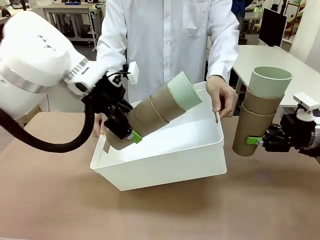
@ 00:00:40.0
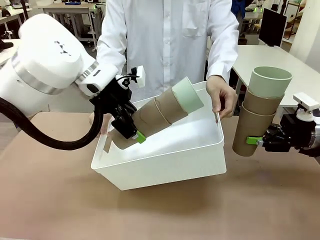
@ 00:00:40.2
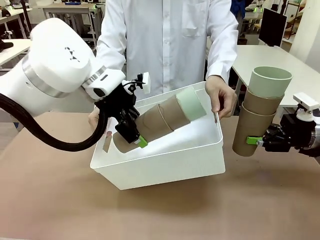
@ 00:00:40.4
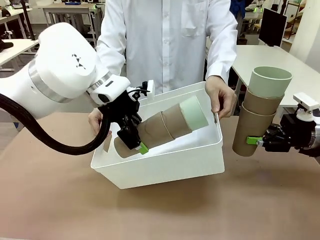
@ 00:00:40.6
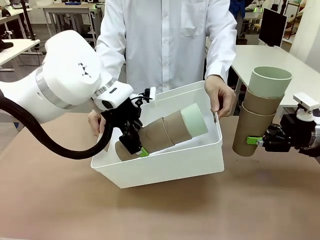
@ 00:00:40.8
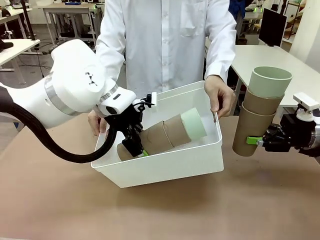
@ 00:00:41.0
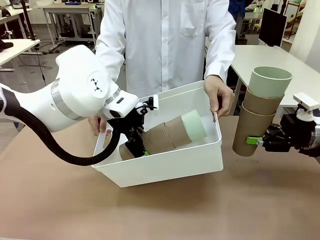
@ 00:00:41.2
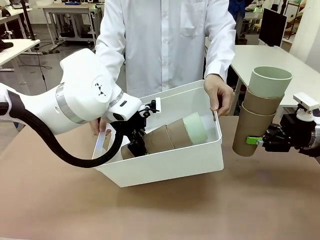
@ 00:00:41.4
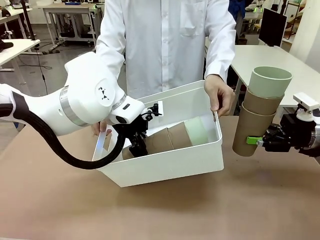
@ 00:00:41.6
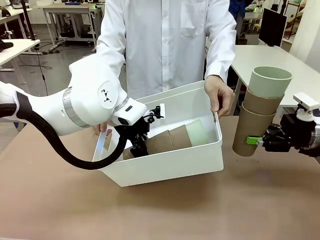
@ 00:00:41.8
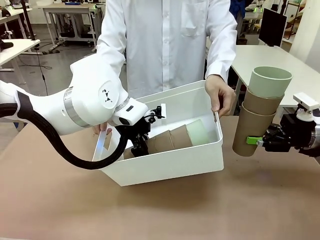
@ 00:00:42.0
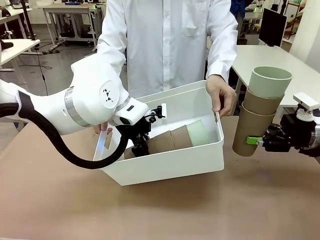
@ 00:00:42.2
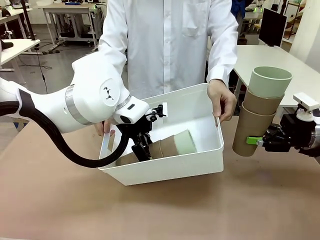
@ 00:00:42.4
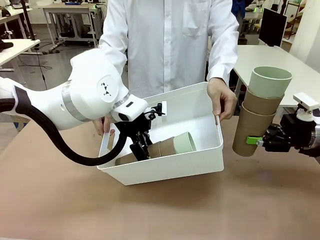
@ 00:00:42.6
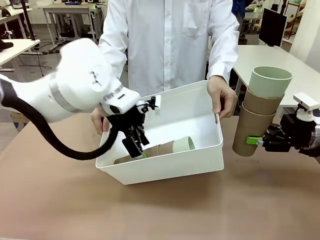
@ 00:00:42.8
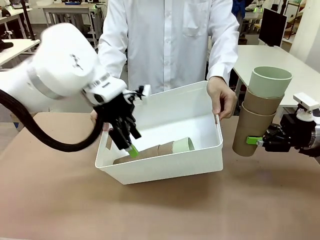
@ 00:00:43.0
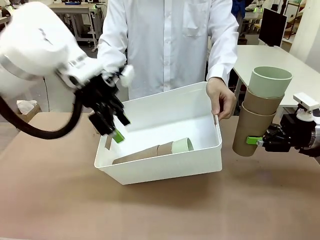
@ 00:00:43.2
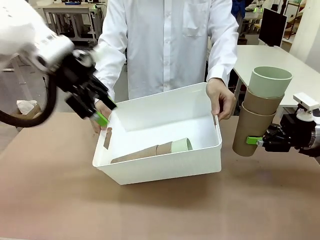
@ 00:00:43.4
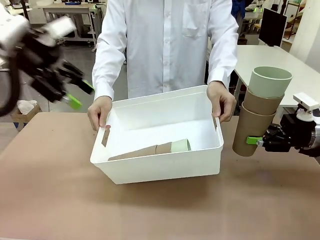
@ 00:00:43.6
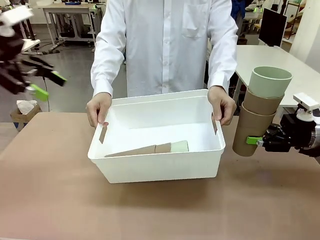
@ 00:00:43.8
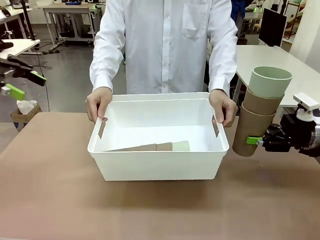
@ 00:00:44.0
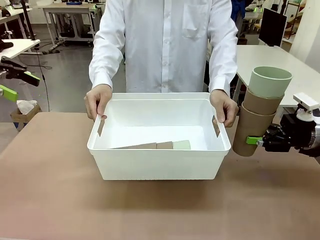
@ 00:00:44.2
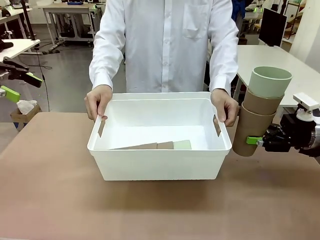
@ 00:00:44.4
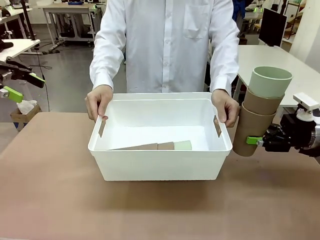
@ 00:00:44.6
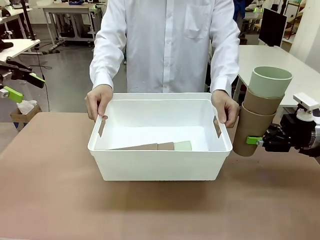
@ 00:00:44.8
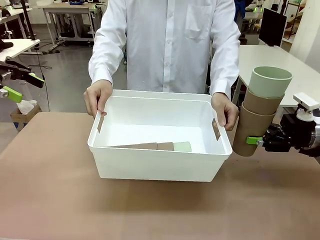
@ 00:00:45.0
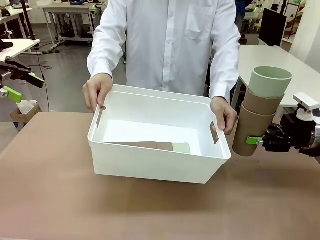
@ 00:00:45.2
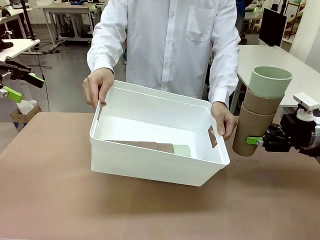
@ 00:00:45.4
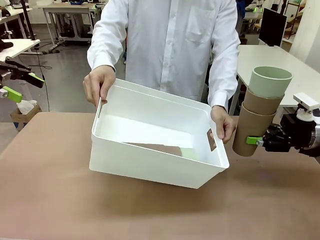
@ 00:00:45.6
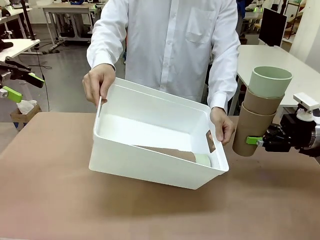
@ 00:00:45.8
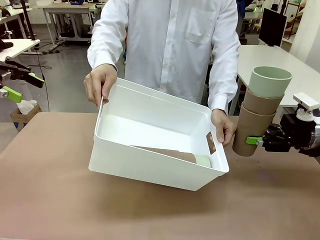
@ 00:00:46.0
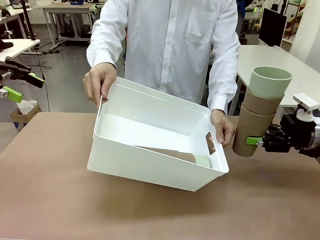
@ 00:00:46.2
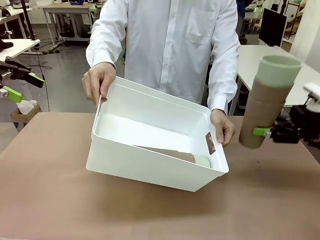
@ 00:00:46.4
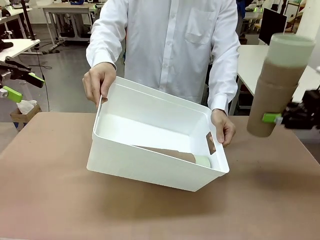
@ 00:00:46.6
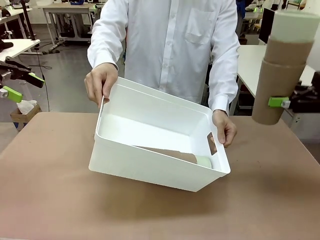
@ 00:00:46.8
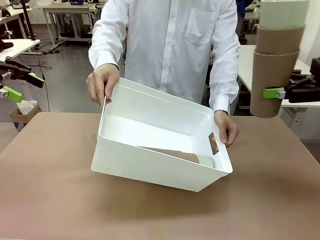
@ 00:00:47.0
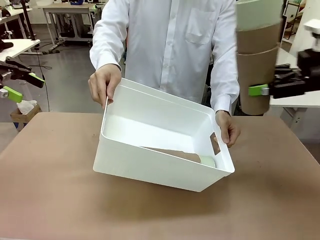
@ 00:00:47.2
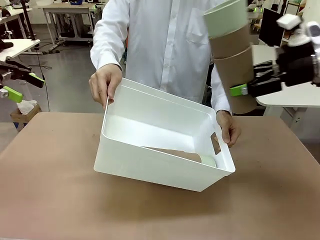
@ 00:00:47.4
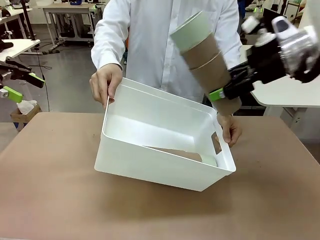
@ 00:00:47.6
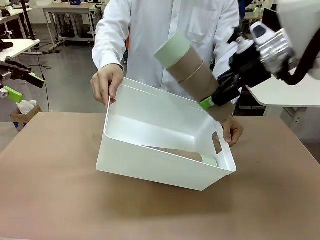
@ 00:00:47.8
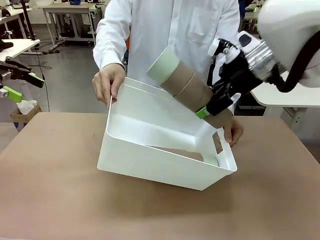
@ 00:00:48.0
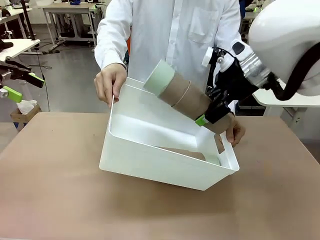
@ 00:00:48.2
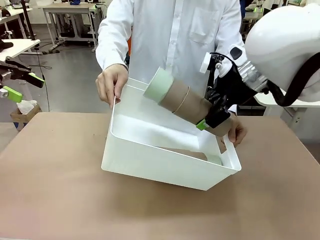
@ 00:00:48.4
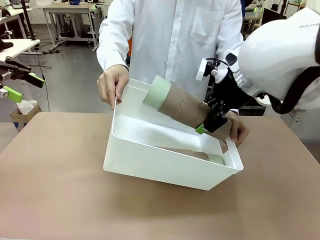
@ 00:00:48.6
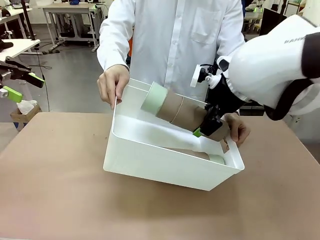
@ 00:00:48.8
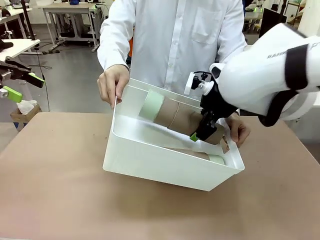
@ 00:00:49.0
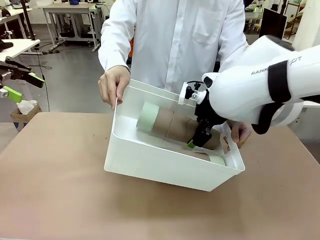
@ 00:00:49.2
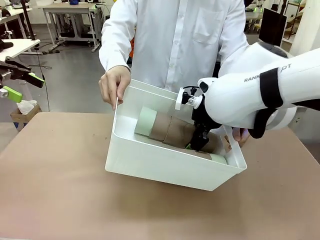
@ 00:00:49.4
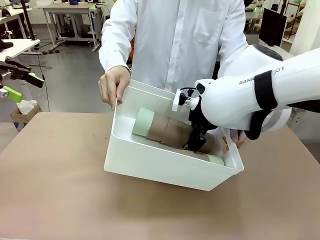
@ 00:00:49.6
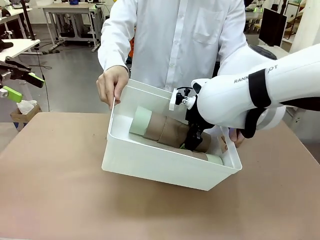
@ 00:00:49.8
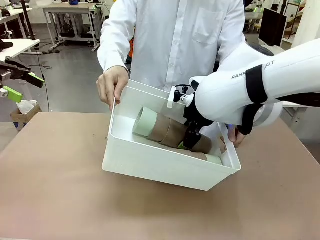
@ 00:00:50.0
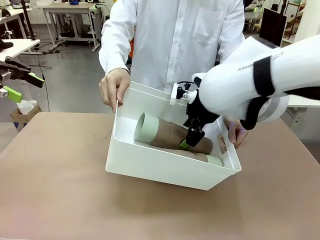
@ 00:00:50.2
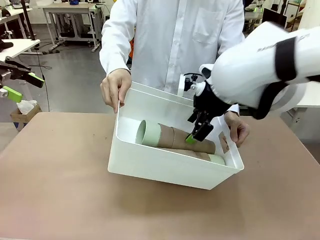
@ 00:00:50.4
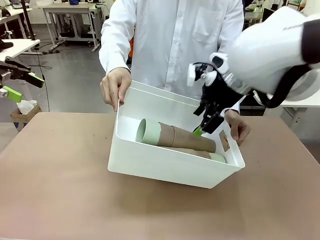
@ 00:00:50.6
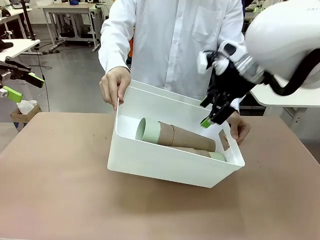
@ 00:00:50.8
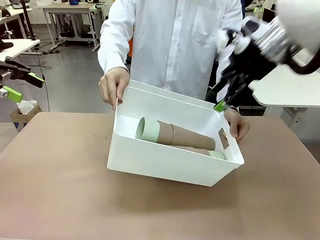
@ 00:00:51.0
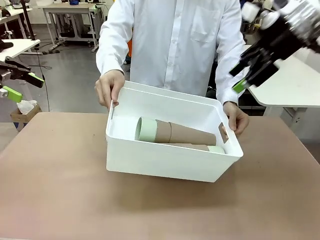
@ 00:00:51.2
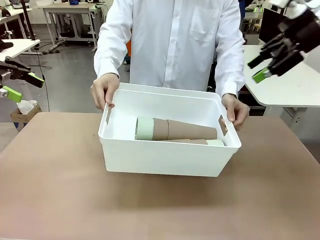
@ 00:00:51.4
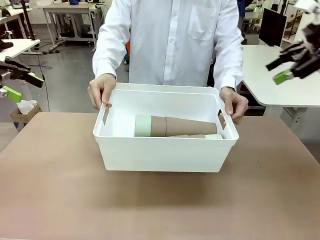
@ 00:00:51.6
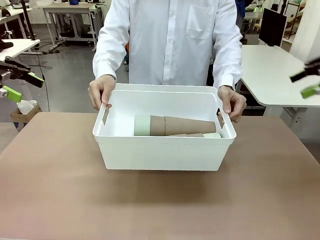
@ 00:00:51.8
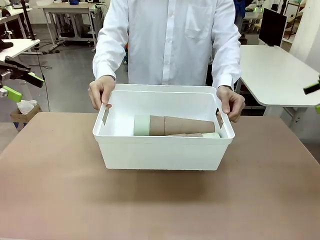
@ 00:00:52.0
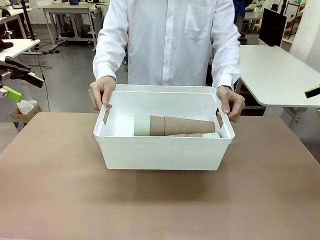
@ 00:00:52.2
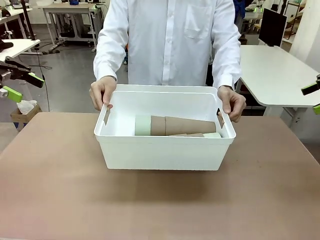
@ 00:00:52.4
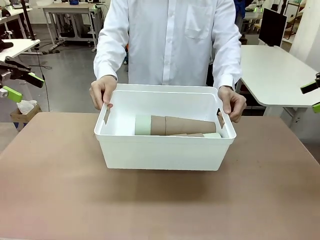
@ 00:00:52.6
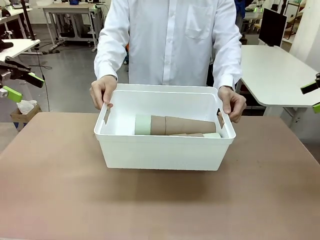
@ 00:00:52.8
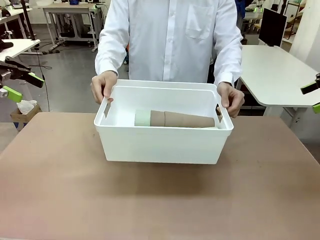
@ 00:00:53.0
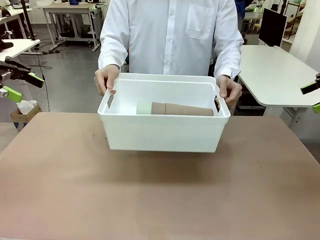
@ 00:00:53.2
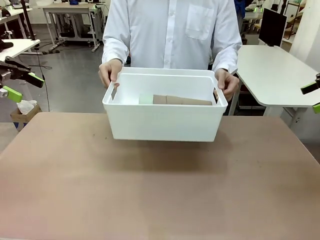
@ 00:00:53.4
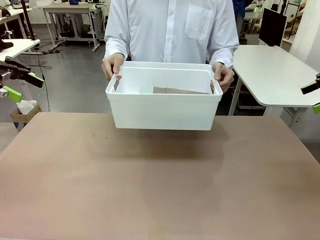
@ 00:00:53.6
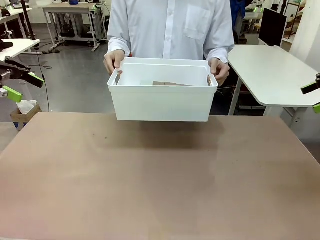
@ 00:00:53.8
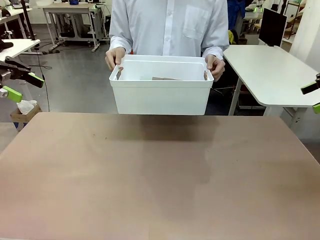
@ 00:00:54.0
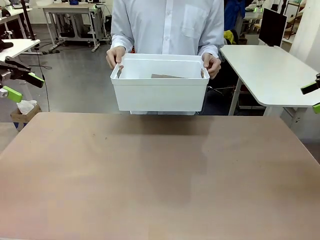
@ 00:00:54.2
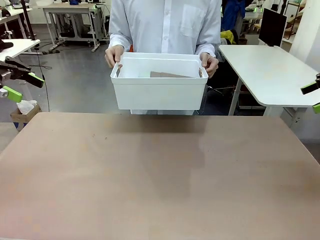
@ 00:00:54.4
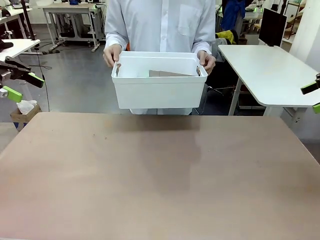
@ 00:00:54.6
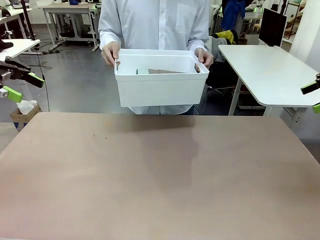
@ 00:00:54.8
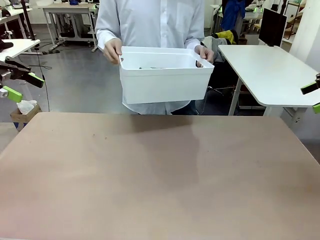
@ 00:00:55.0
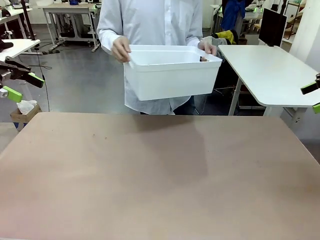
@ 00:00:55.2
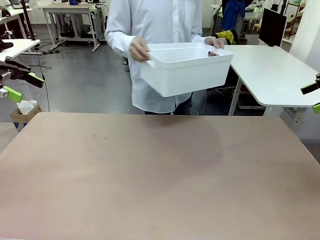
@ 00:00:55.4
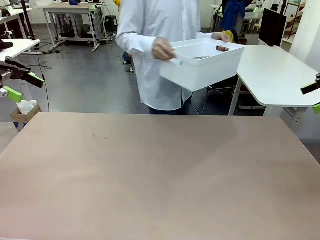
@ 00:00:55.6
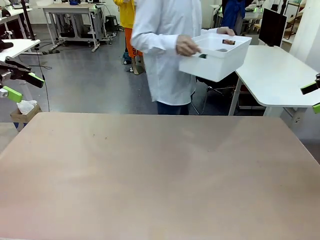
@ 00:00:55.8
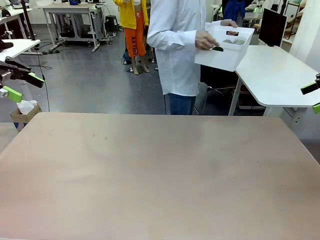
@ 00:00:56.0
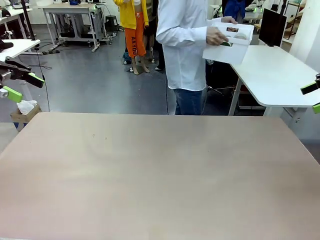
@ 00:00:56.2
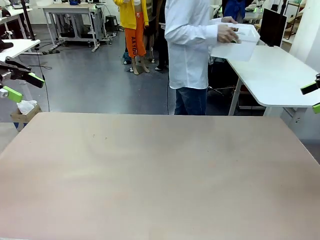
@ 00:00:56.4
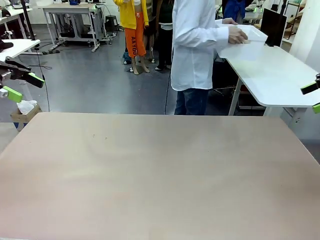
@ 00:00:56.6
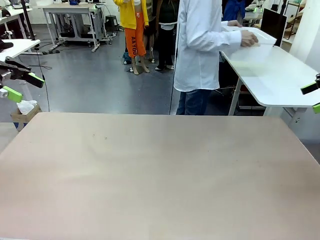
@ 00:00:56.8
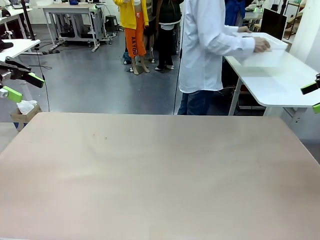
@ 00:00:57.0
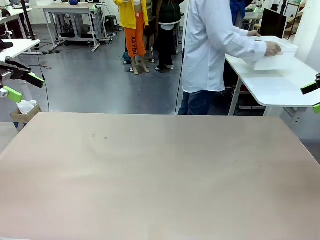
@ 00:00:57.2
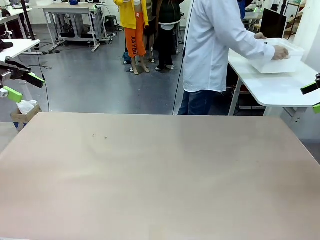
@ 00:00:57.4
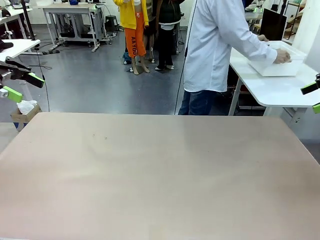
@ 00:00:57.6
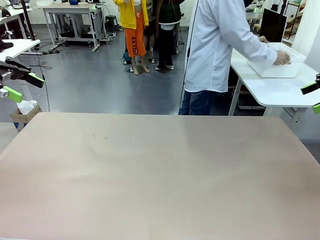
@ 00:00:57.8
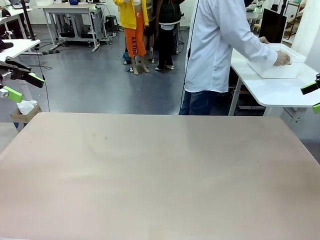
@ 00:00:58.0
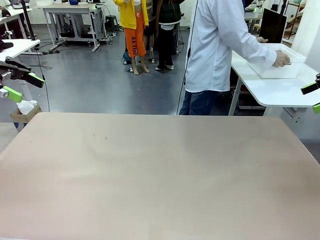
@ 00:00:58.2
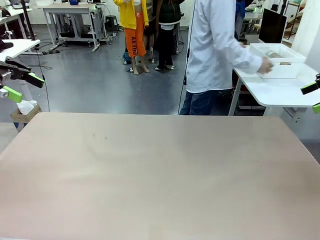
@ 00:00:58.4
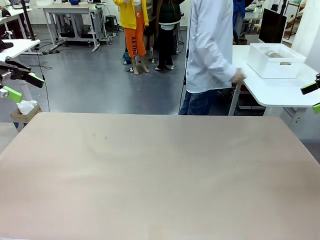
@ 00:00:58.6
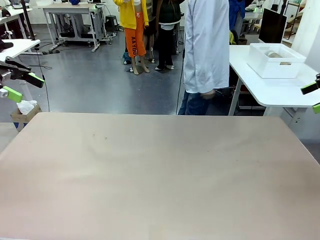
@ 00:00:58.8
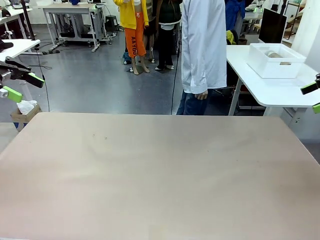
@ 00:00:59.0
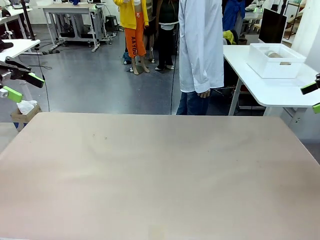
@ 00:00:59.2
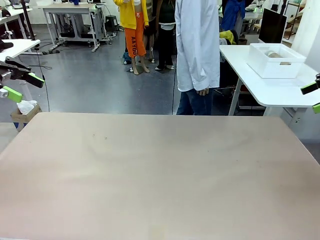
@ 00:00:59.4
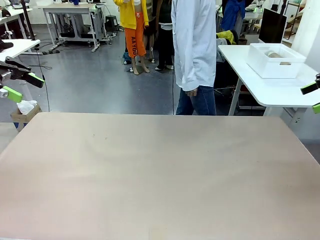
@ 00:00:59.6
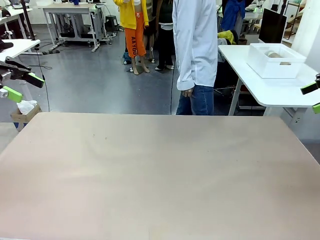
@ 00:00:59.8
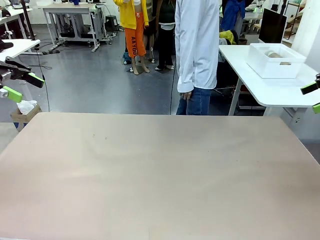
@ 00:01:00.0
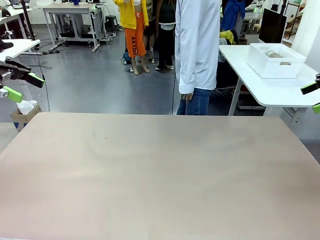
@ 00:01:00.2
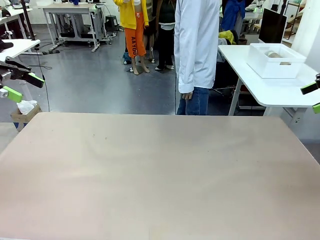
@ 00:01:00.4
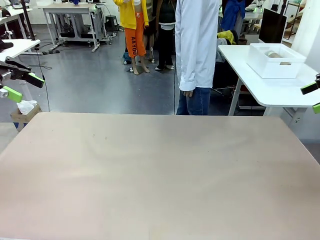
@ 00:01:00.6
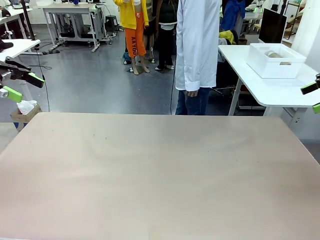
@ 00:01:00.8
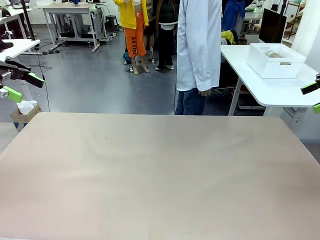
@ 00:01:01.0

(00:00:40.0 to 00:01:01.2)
Task: Stack the cups and store them in the basket.
Robot: Place the stack of Reusable plastic cups into the Pantry Basket.
Person: Place the basket containing the cups in the middle of the Human Table.
